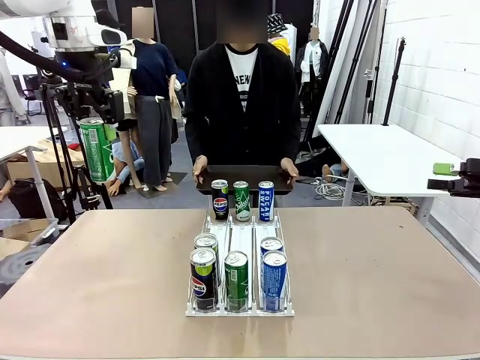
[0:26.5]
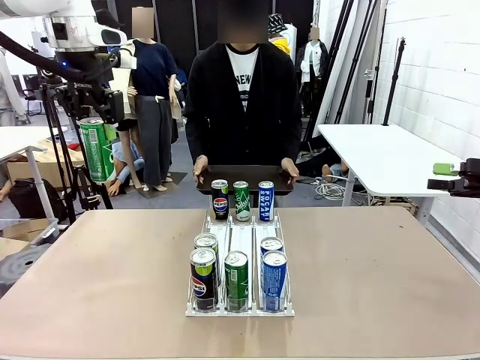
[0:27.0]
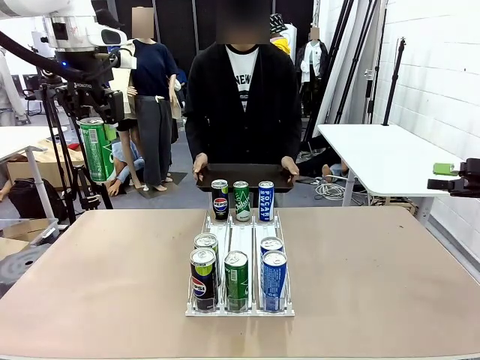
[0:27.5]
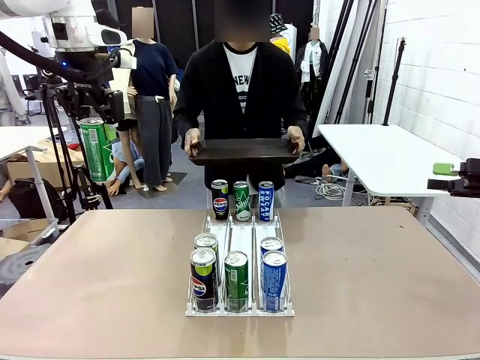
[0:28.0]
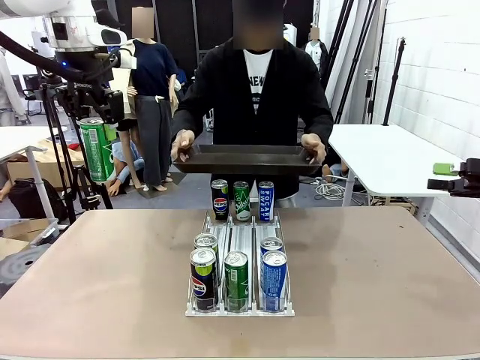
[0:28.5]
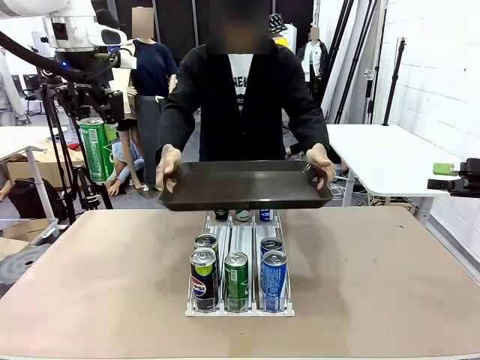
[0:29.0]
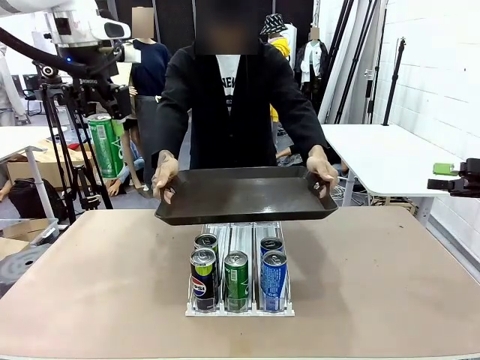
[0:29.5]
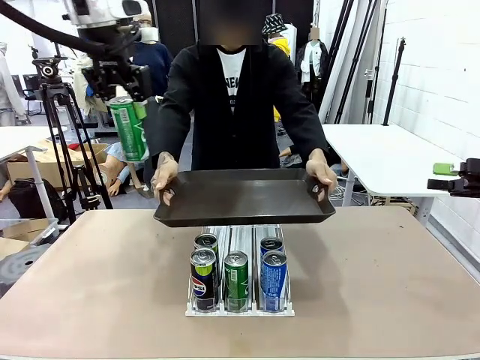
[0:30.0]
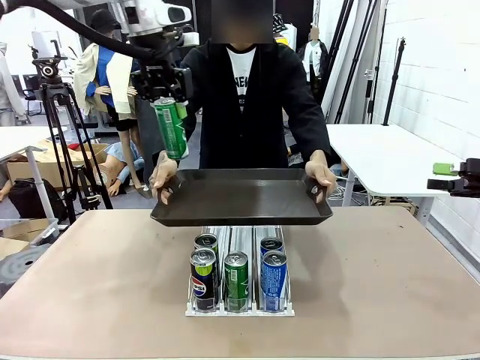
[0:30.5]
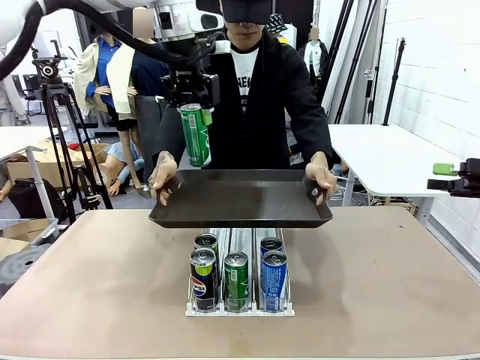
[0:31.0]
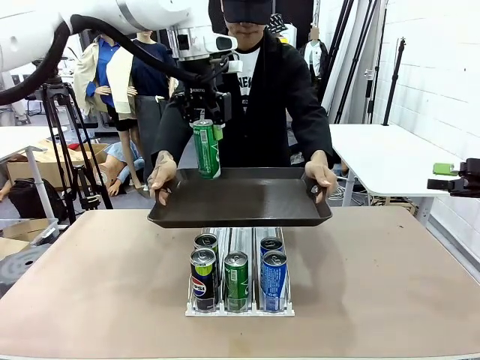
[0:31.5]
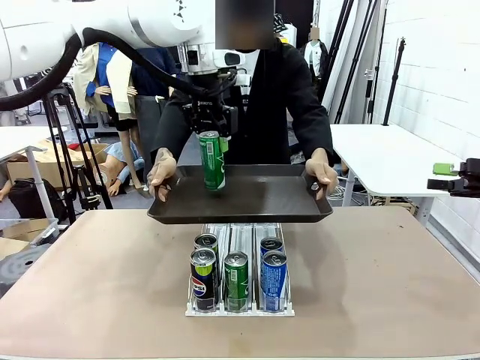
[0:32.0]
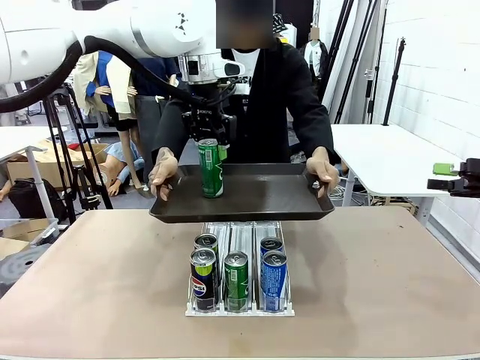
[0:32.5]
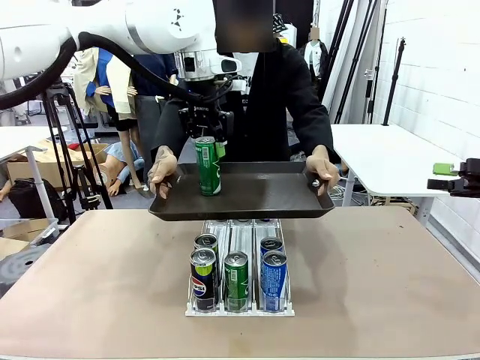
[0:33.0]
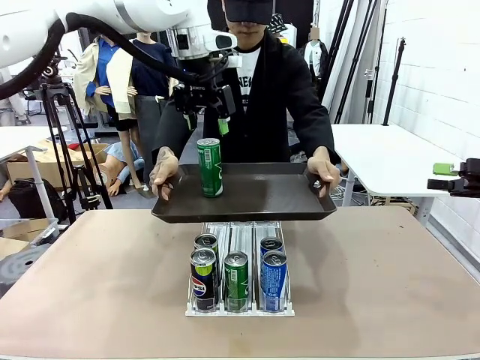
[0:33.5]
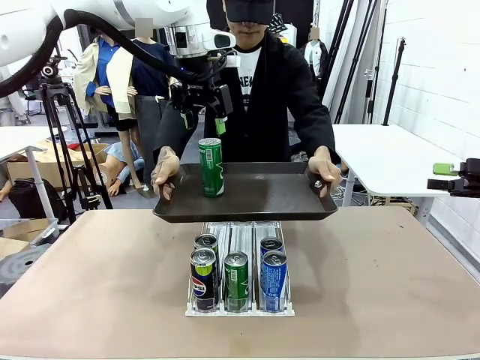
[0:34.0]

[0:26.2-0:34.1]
Task: Retrieve and hand over the desired beverage to the person.
Robot: Place the picked can on the Handle tray extended by the person.

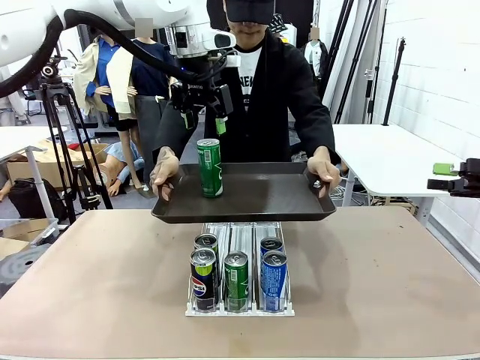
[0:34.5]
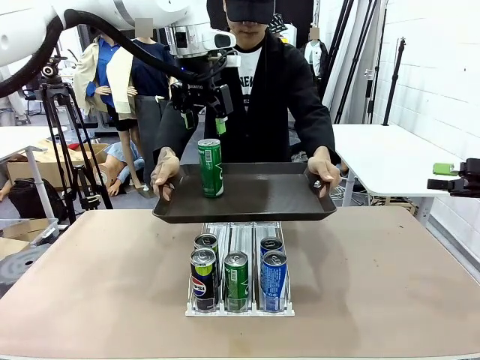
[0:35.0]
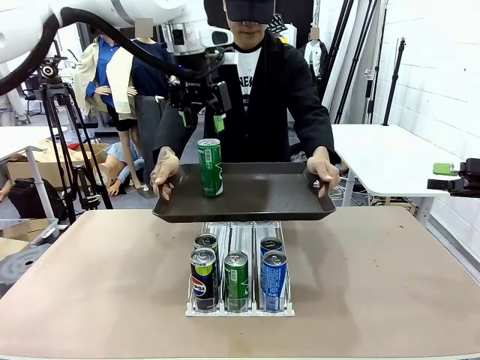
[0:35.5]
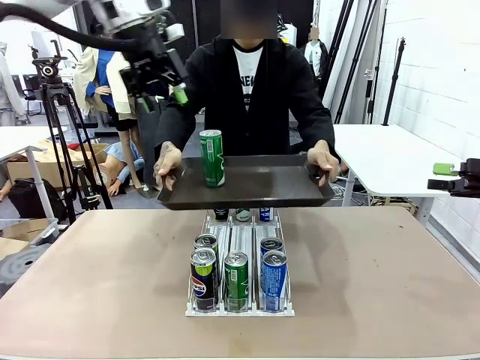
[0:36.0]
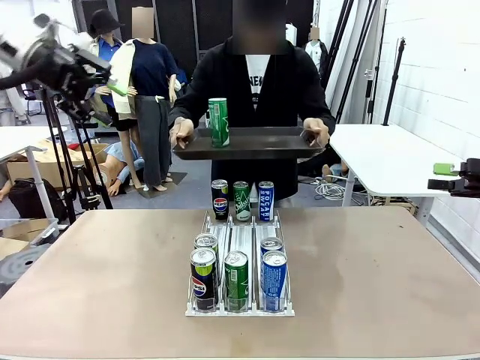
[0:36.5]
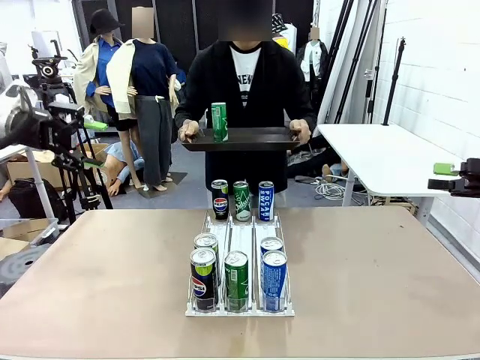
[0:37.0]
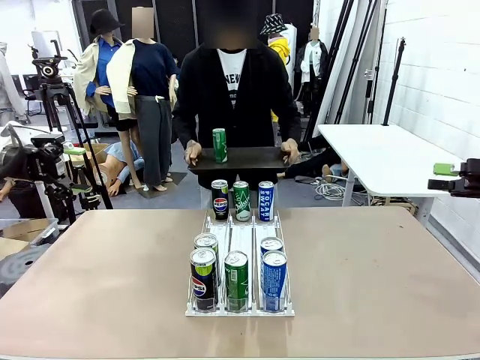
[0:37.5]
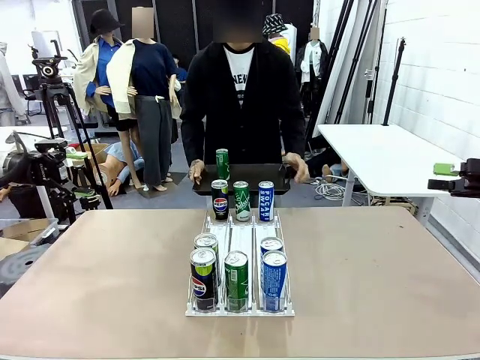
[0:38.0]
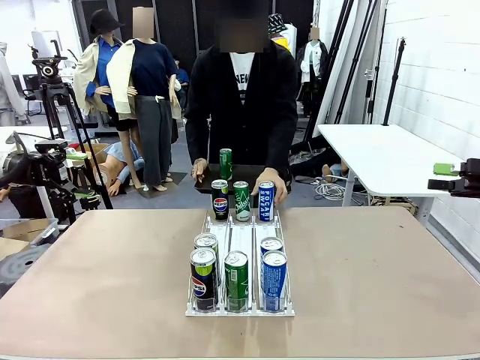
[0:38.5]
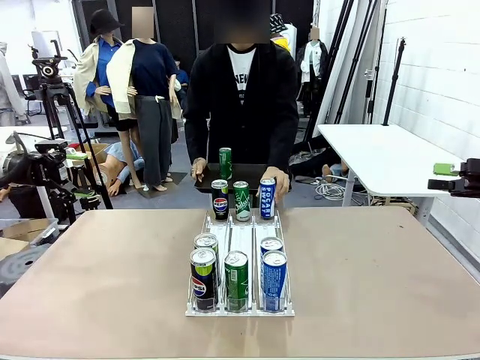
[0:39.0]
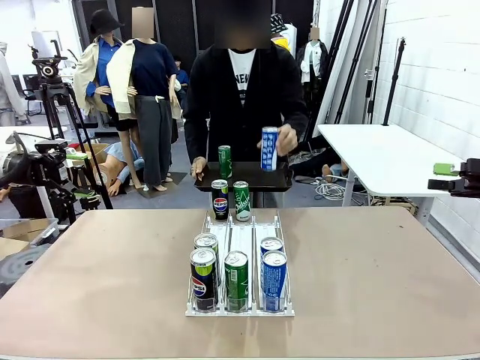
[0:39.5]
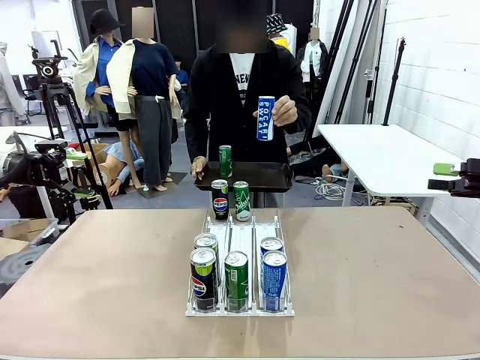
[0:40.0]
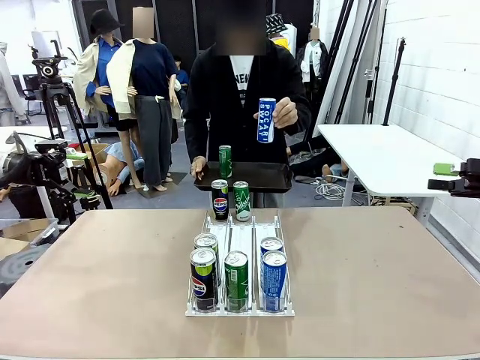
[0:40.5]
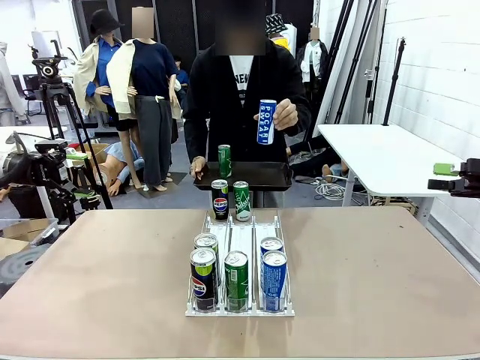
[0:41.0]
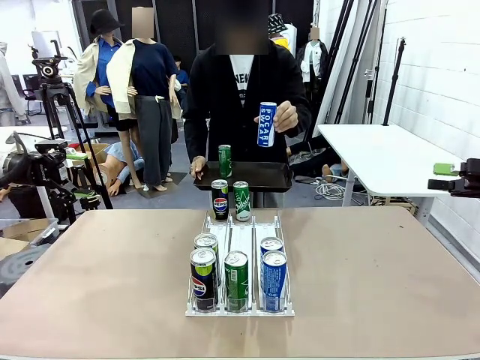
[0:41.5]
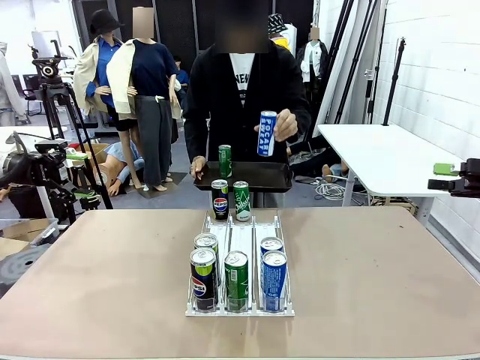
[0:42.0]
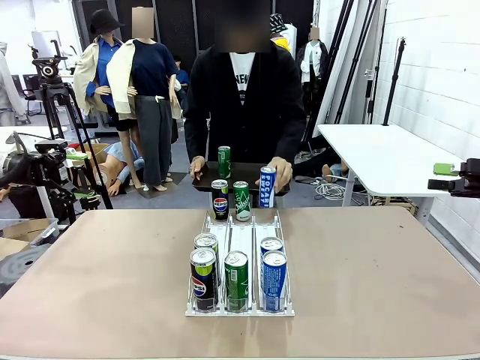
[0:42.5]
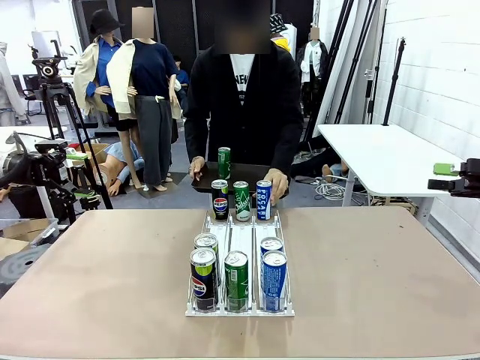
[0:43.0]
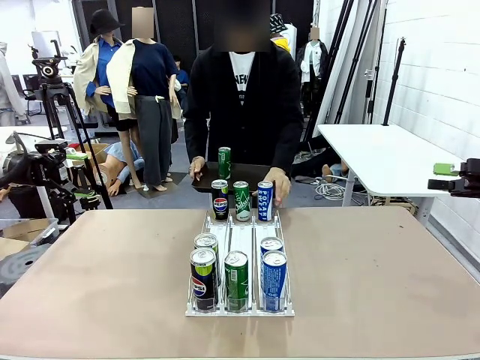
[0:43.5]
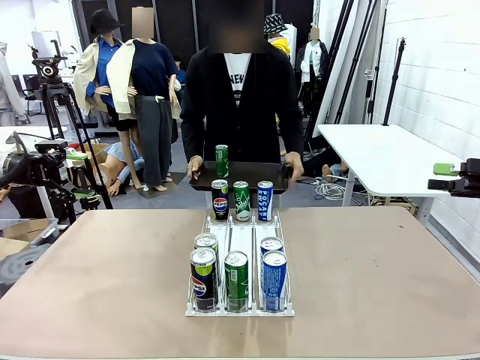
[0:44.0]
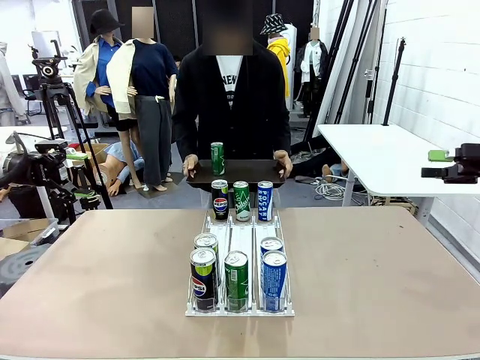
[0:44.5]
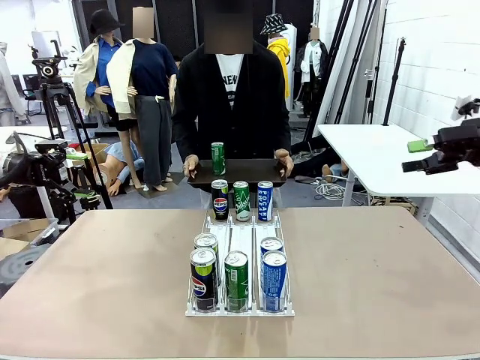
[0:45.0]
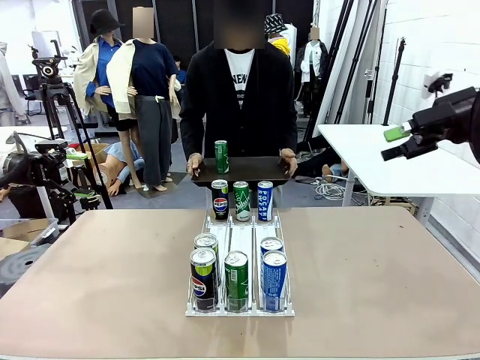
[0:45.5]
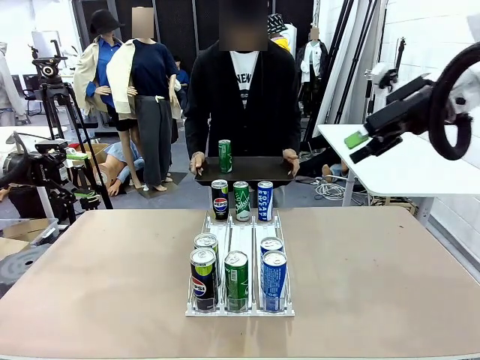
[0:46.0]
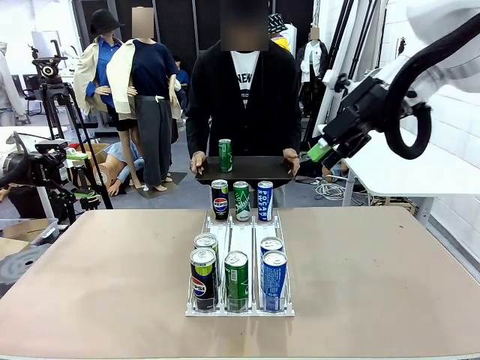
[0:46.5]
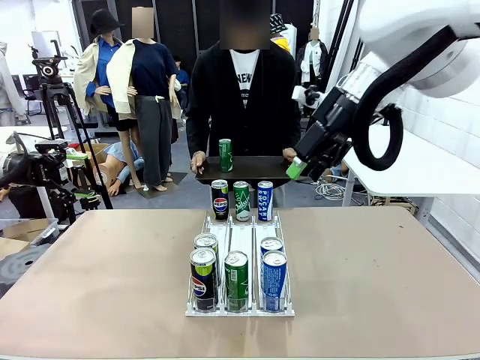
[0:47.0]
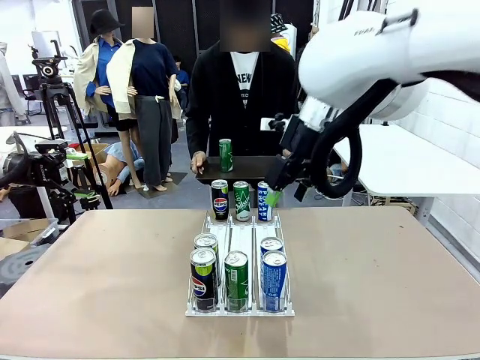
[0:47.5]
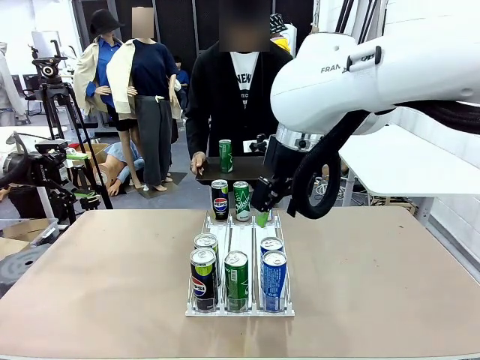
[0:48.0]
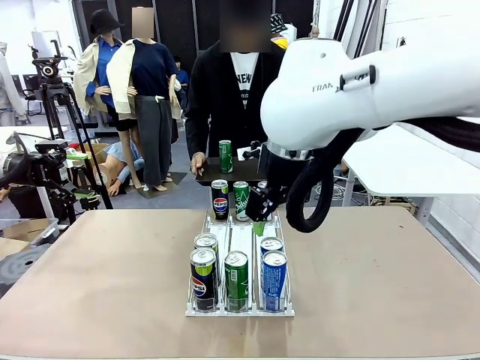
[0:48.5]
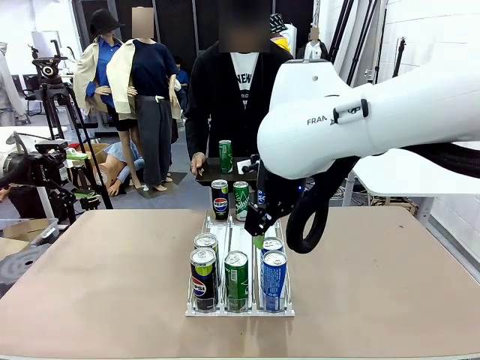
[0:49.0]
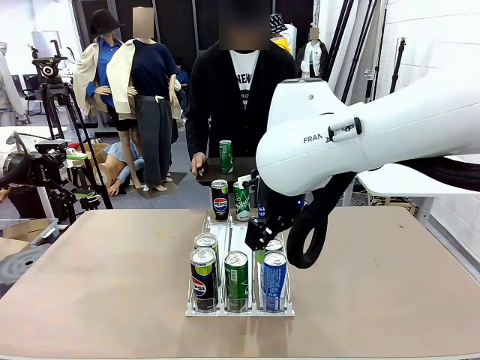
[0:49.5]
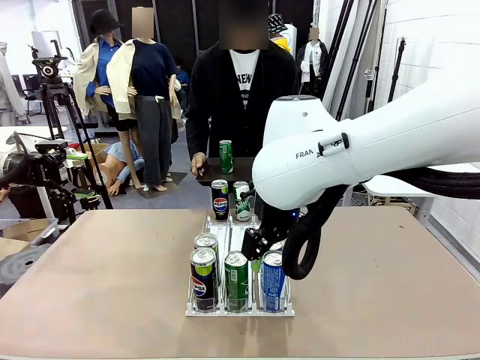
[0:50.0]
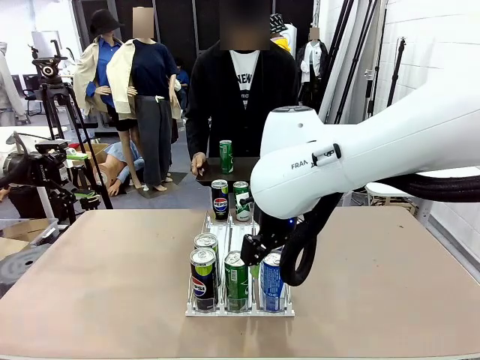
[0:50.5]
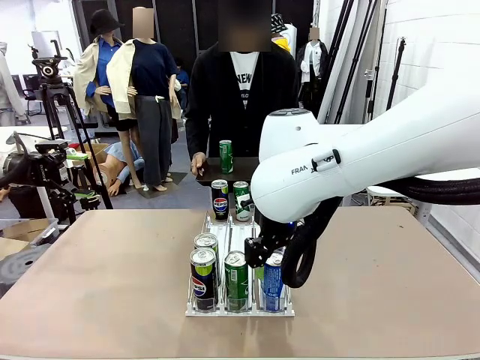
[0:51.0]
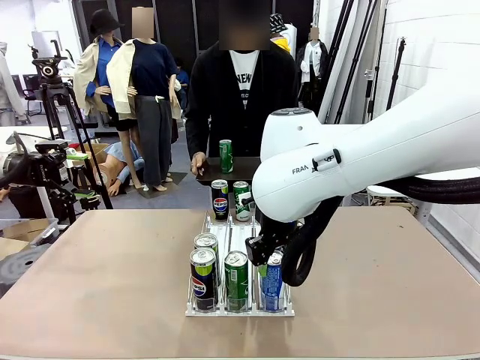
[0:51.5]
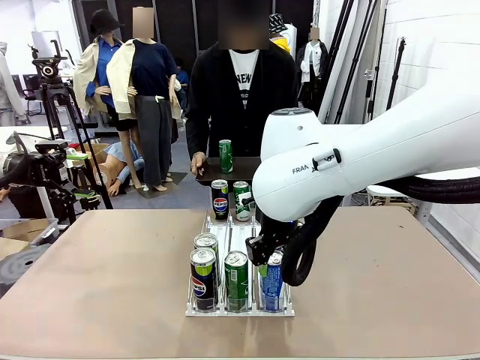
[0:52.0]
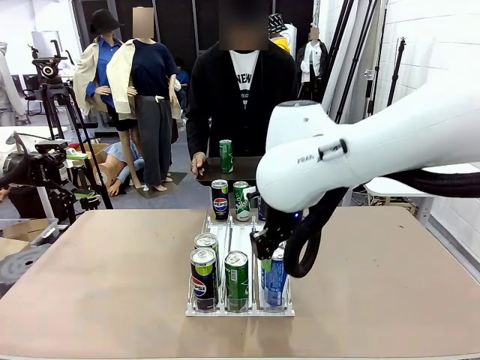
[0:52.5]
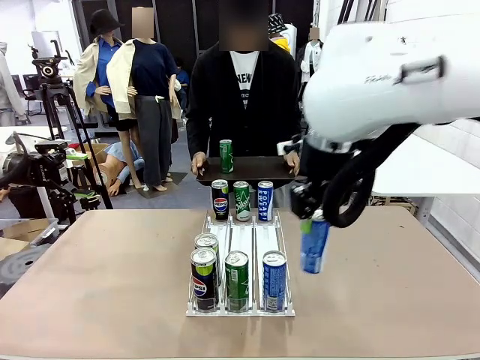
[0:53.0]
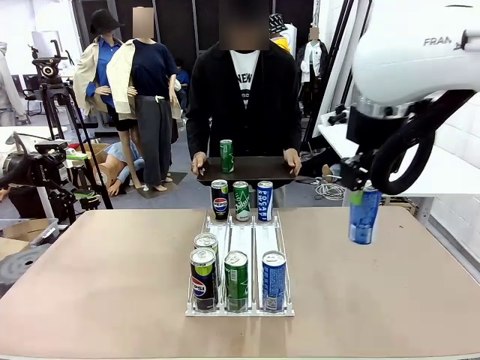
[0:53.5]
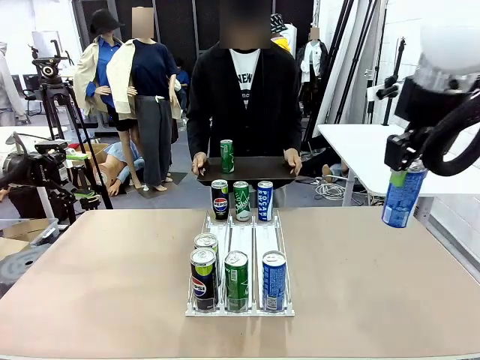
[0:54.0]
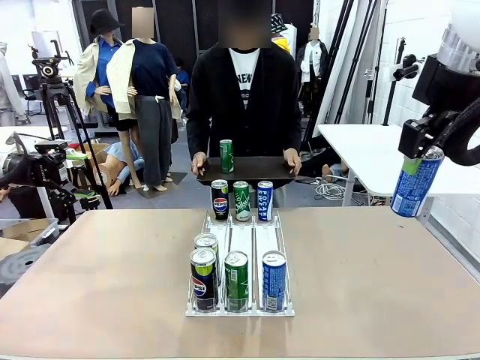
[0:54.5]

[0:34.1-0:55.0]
Robot: Pick up another can of the same type that the person held from the Automatic Can Dispenser.
Person: Pull the tray back, then pick up another can from the bottom area of the table and puts it back in its original place. Push the tray toward the robot again.
